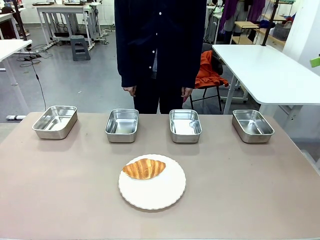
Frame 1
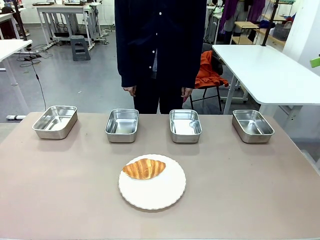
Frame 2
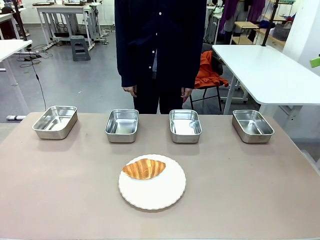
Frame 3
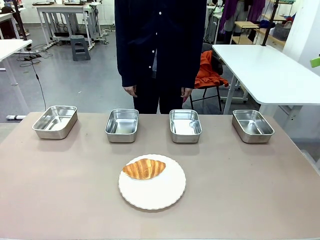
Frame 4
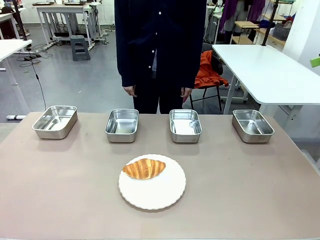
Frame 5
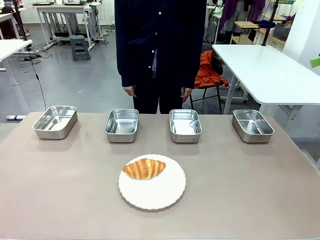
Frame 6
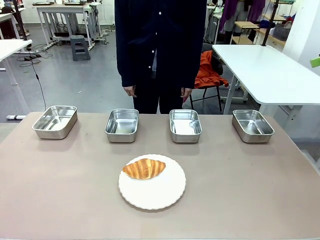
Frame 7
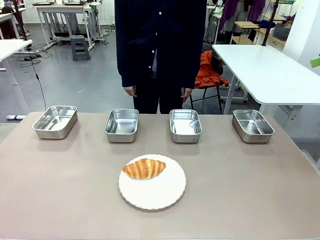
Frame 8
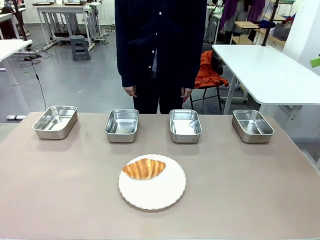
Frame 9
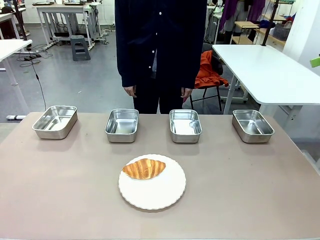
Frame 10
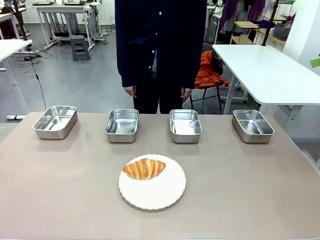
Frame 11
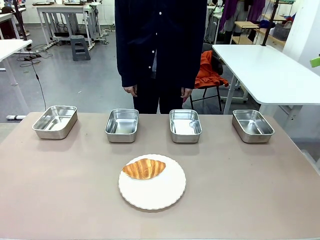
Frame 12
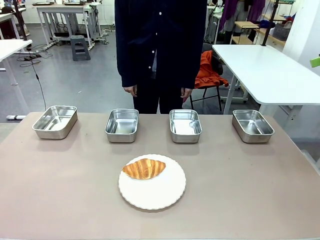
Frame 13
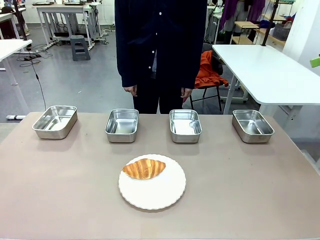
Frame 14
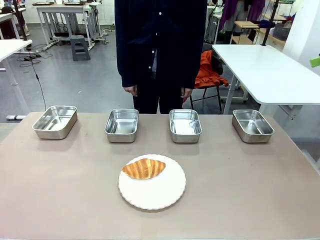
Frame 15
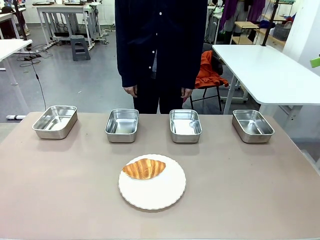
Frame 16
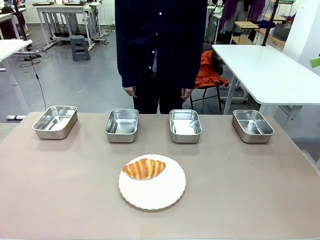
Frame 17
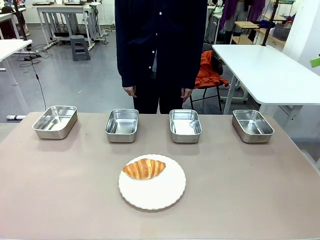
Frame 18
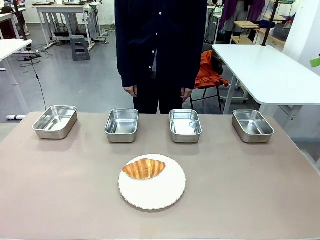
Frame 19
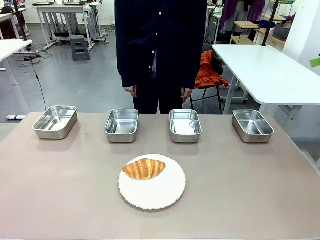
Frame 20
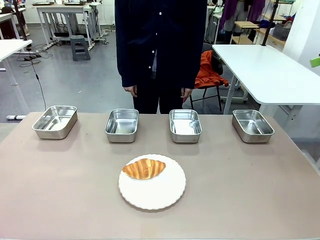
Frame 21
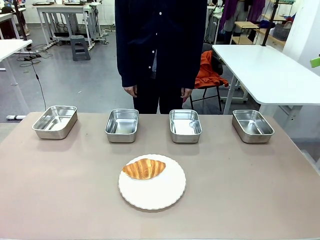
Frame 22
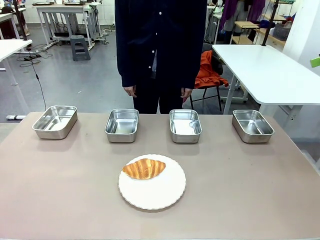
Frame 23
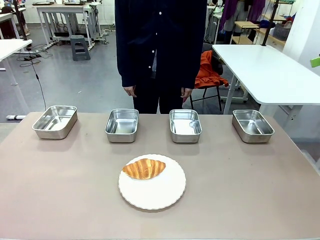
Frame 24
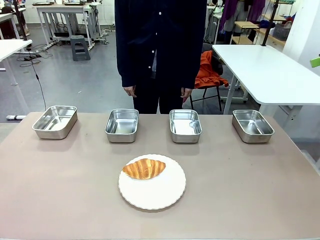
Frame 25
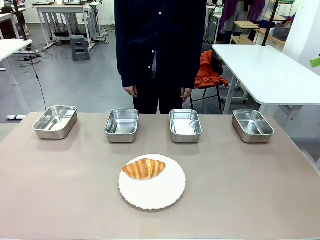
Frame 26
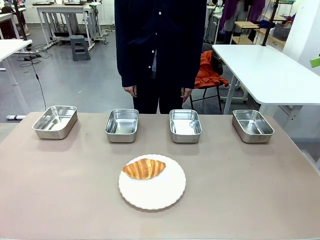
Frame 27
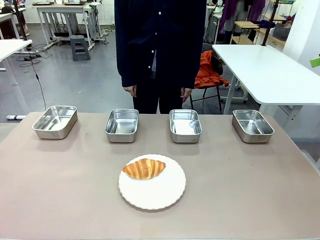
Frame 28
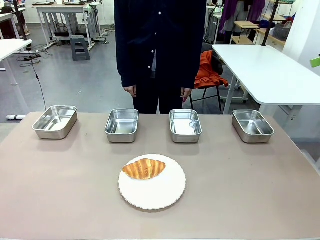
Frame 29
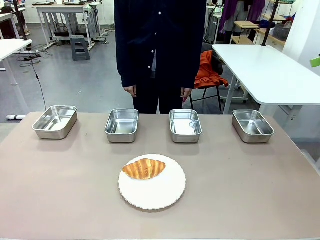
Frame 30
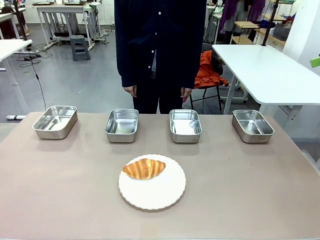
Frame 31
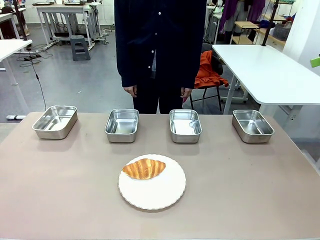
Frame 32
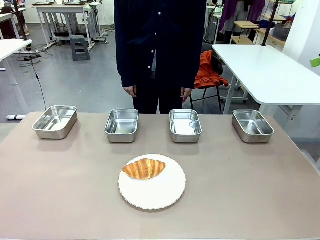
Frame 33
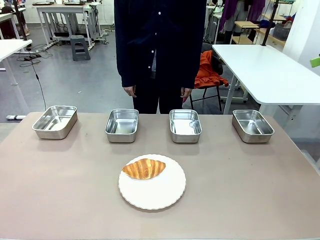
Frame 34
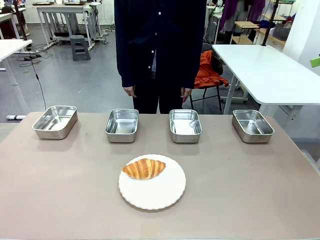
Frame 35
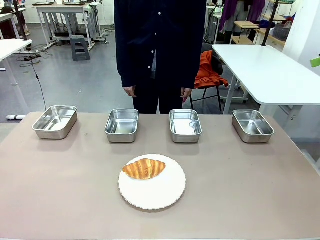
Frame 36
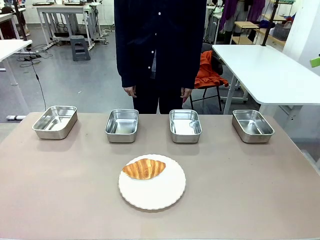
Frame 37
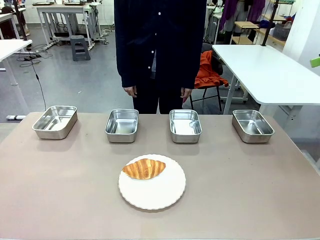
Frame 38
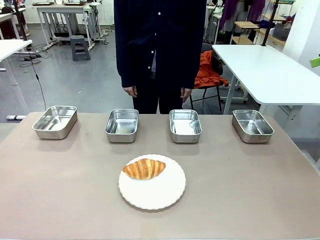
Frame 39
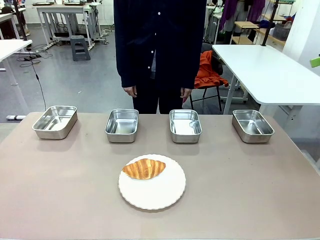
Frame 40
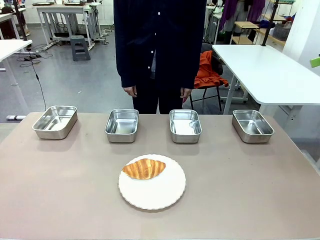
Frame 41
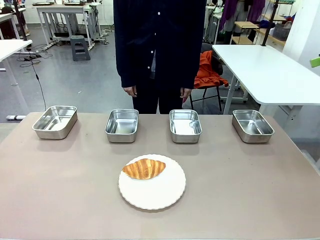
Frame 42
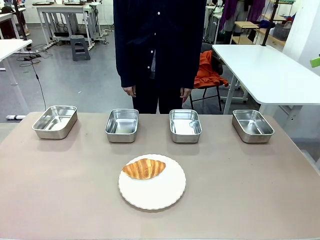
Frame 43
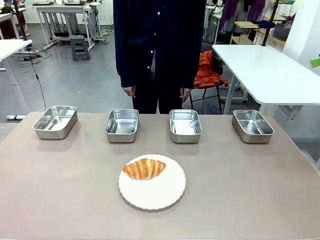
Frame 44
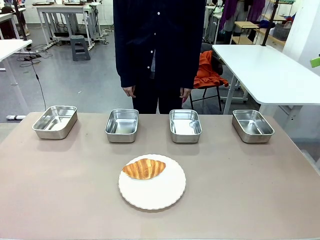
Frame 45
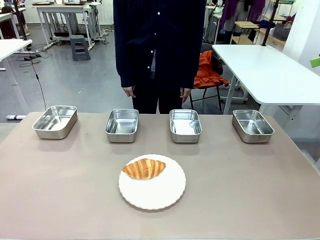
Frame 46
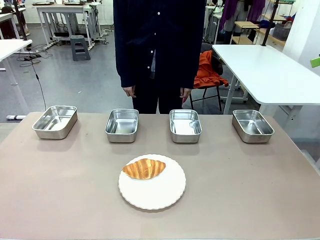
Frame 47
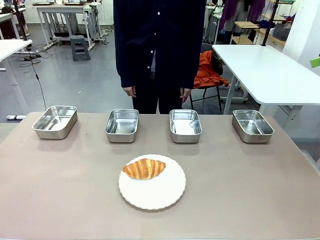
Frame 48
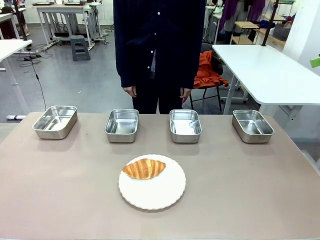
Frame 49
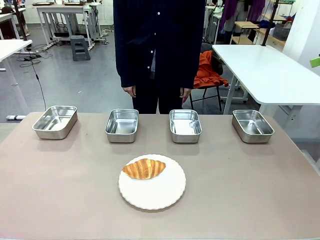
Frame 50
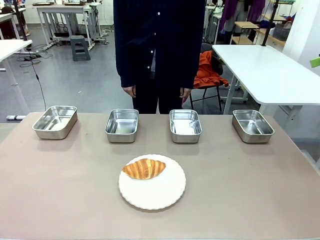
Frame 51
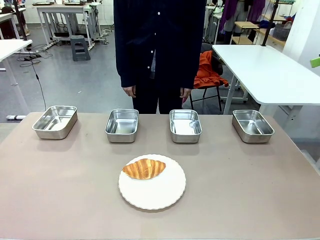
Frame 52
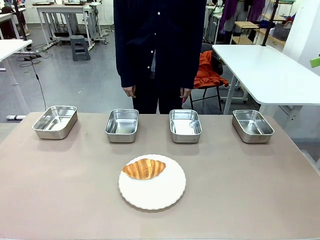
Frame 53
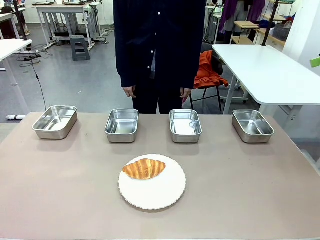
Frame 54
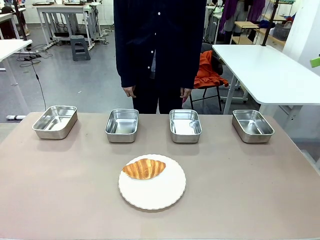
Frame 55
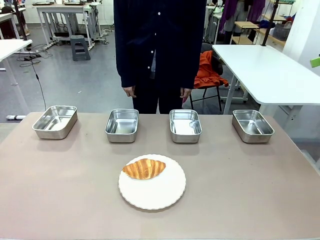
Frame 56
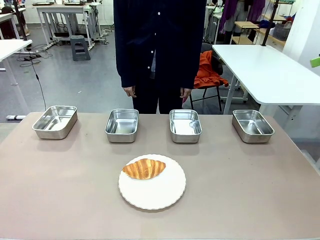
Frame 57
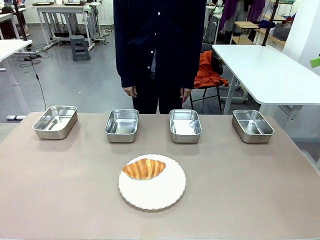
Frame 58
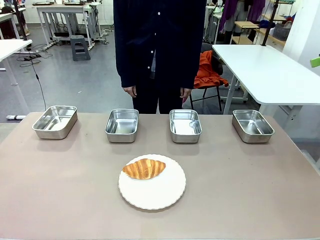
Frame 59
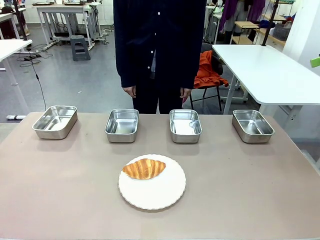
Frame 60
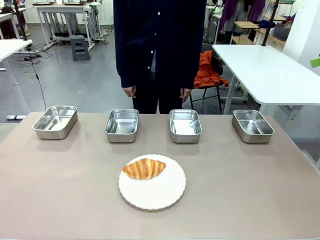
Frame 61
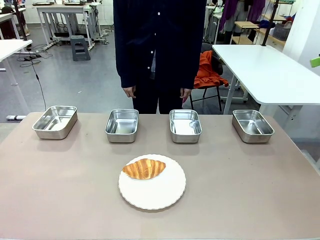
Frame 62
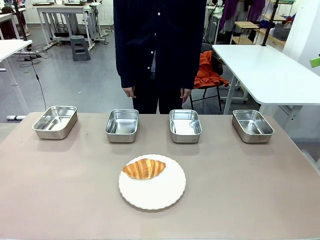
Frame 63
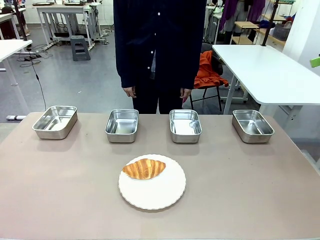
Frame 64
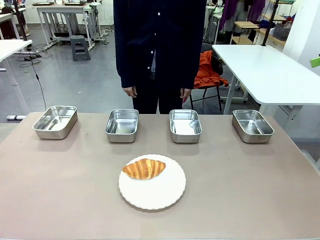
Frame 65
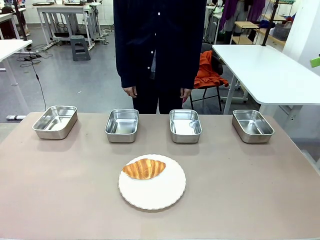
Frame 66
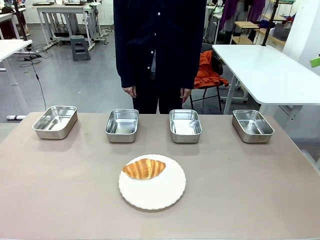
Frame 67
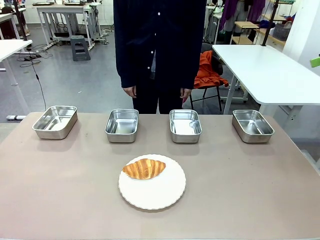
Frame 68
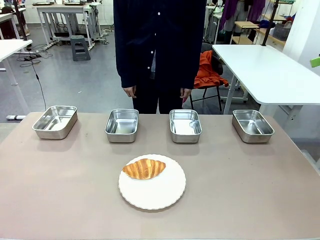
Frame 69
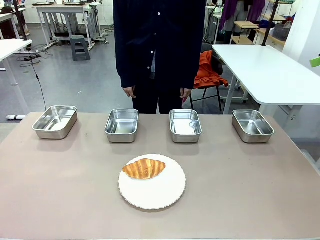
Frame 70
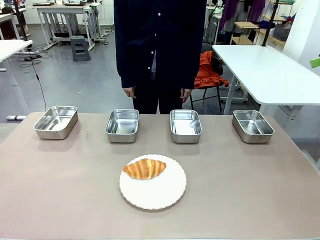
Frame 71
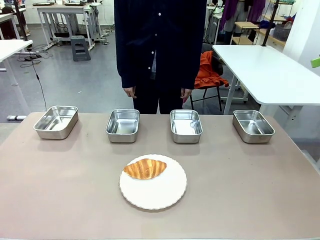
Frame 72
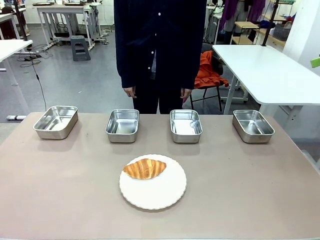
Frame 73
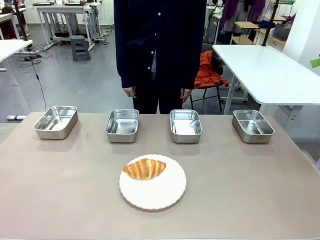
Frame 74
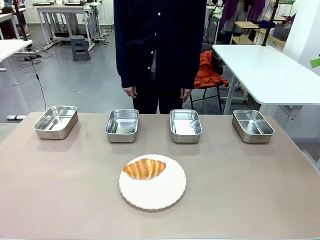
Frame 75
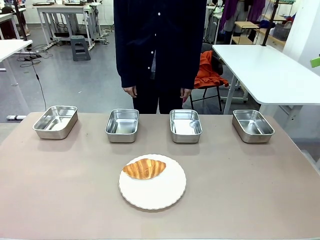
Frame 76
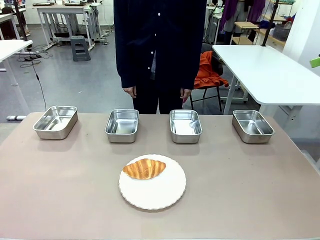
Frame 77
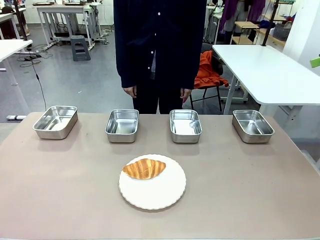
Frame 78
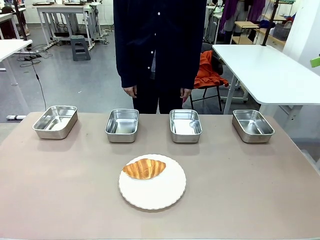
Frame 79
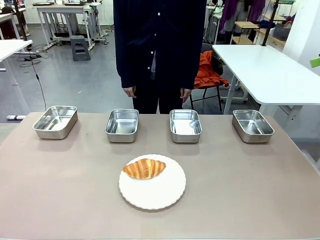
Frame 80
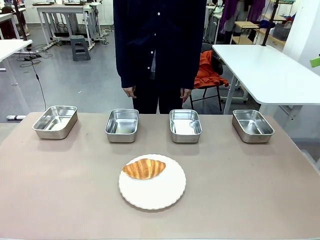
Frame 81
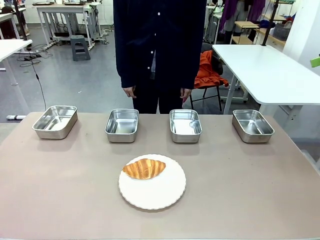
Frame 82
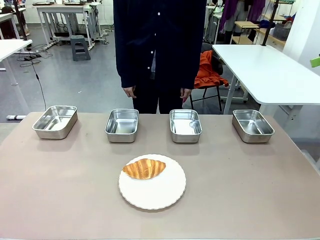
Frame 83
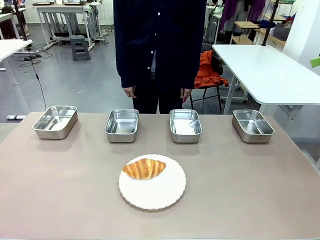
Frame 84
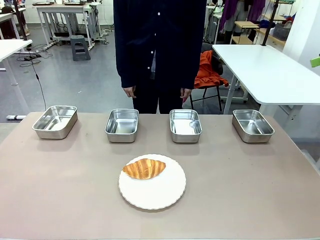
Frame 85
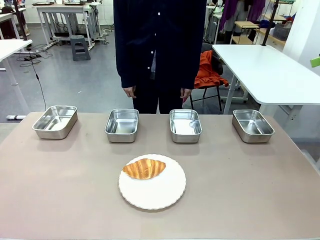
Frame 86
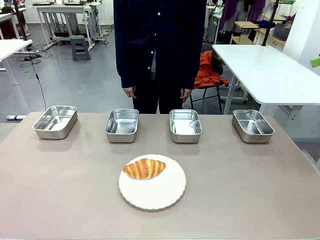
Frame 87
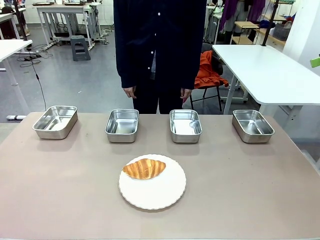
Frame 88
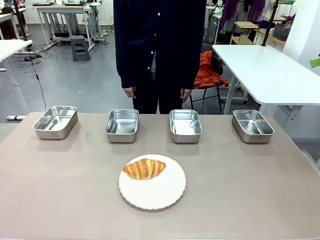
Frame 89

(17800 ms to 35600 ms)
Task: Place the bread in the container.
Robot: Place the Butter Roll into the Airtight Container indicated by the human.
